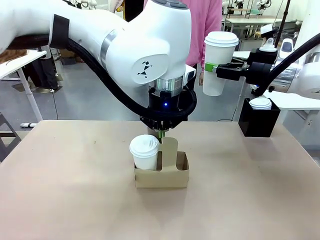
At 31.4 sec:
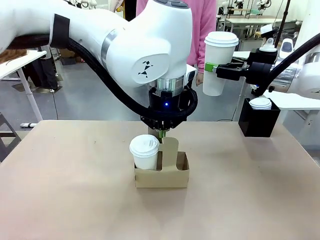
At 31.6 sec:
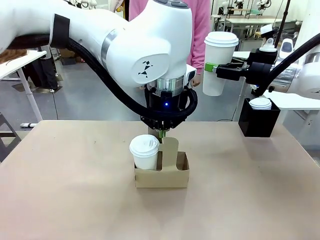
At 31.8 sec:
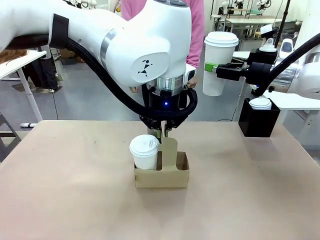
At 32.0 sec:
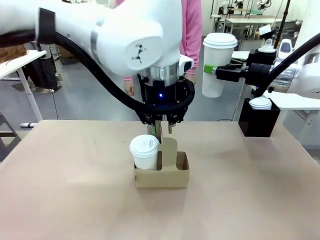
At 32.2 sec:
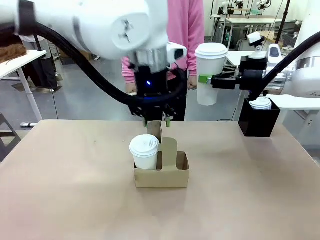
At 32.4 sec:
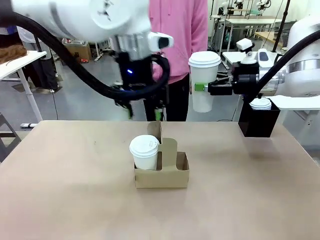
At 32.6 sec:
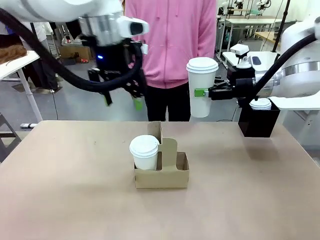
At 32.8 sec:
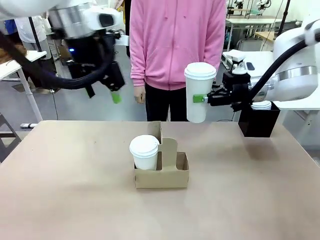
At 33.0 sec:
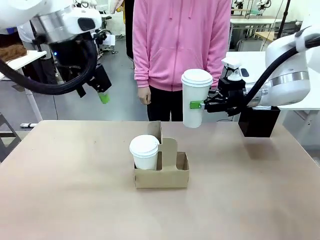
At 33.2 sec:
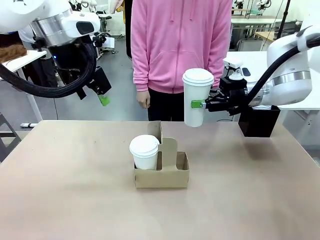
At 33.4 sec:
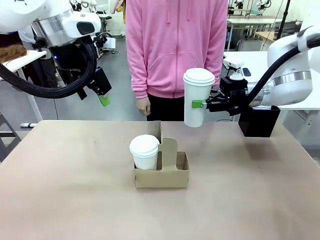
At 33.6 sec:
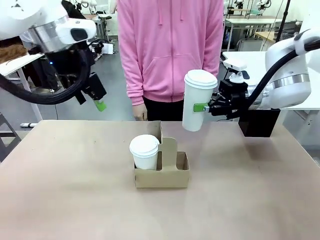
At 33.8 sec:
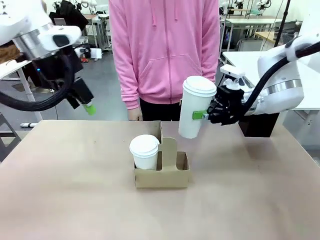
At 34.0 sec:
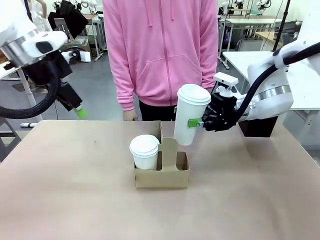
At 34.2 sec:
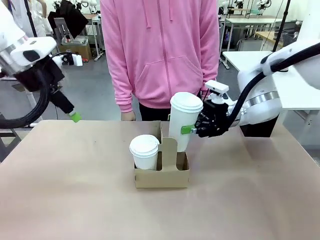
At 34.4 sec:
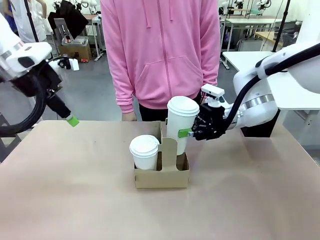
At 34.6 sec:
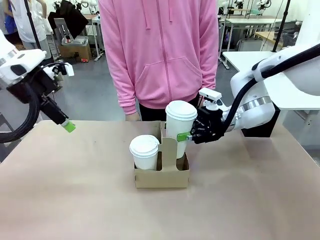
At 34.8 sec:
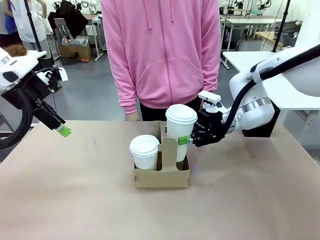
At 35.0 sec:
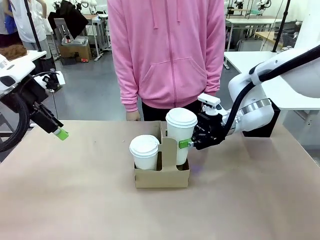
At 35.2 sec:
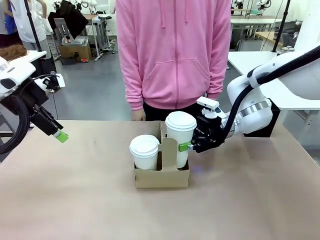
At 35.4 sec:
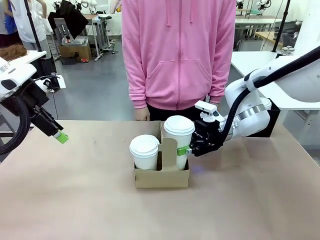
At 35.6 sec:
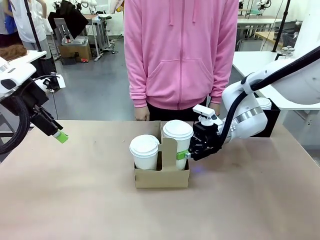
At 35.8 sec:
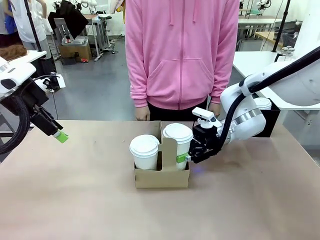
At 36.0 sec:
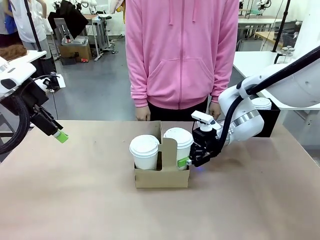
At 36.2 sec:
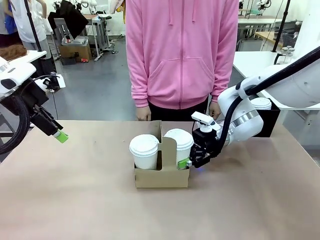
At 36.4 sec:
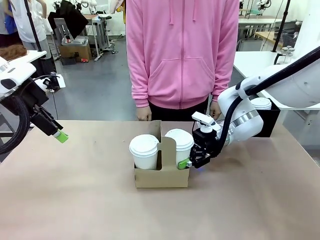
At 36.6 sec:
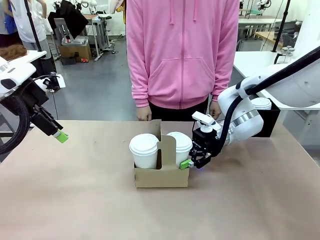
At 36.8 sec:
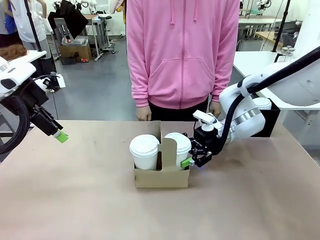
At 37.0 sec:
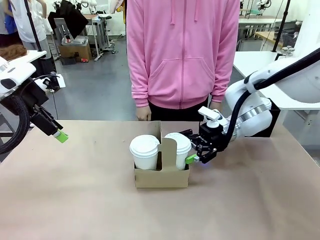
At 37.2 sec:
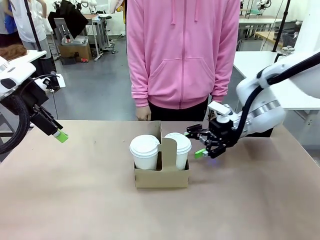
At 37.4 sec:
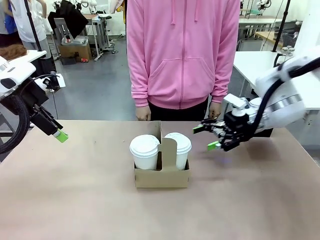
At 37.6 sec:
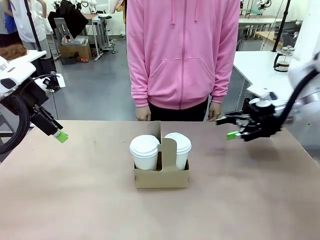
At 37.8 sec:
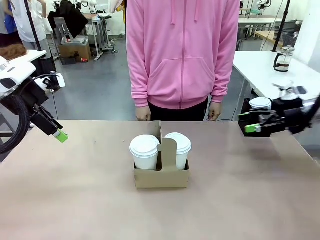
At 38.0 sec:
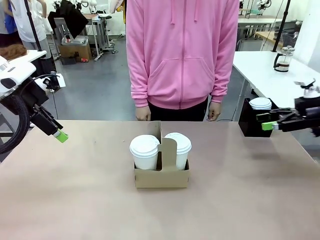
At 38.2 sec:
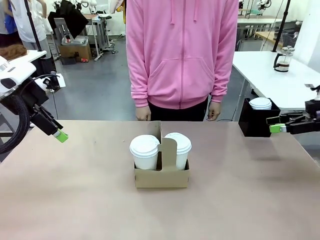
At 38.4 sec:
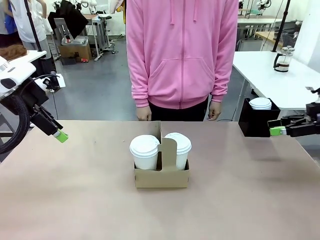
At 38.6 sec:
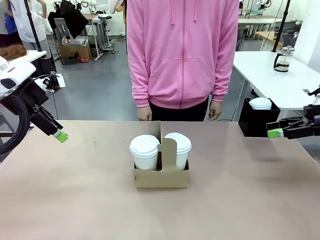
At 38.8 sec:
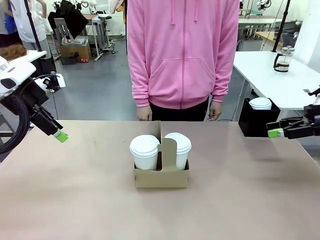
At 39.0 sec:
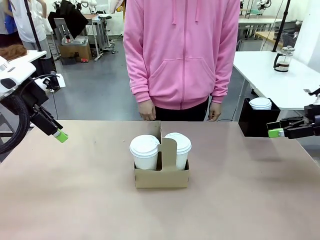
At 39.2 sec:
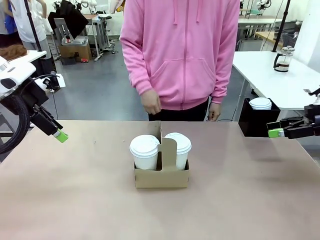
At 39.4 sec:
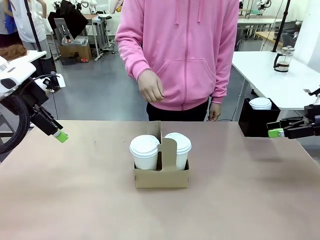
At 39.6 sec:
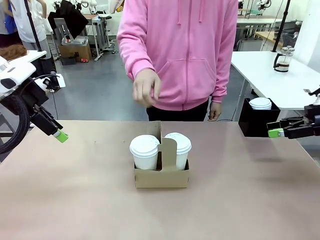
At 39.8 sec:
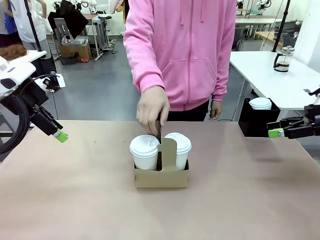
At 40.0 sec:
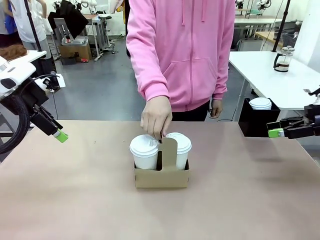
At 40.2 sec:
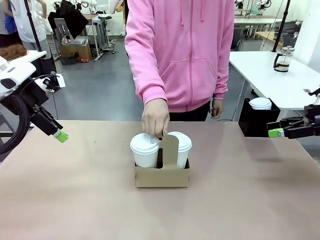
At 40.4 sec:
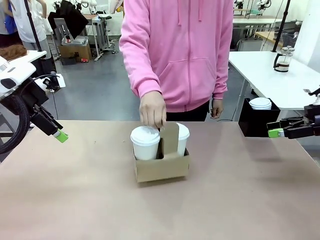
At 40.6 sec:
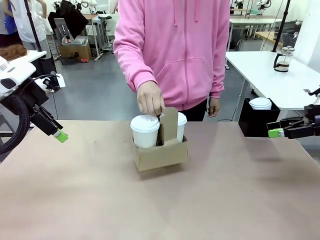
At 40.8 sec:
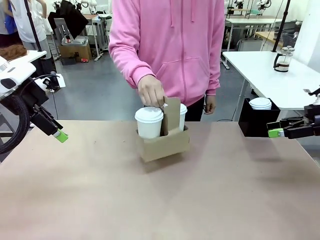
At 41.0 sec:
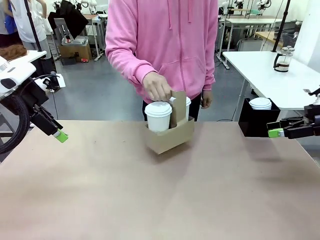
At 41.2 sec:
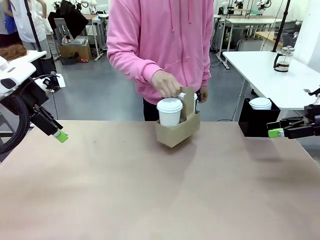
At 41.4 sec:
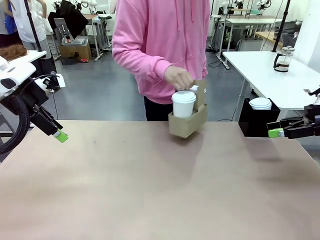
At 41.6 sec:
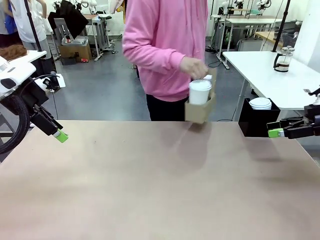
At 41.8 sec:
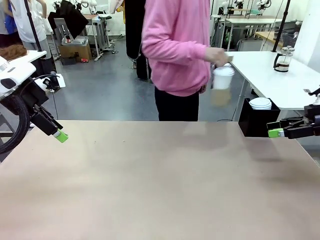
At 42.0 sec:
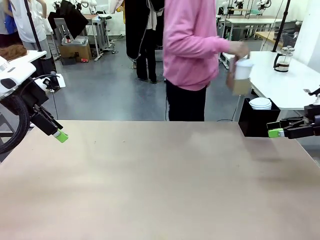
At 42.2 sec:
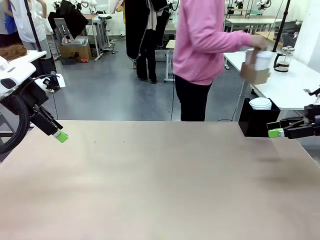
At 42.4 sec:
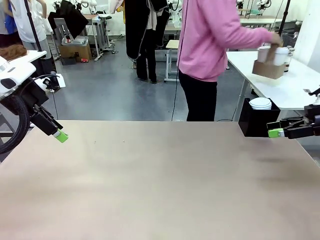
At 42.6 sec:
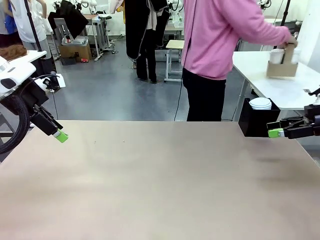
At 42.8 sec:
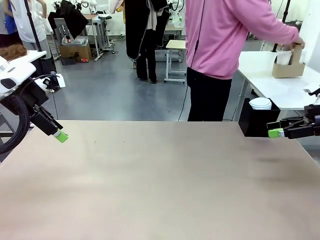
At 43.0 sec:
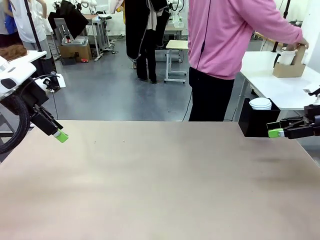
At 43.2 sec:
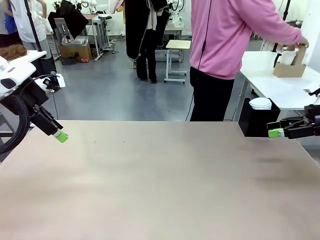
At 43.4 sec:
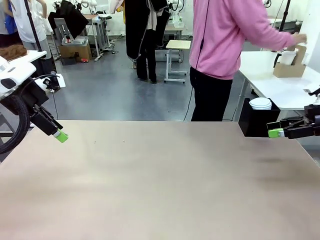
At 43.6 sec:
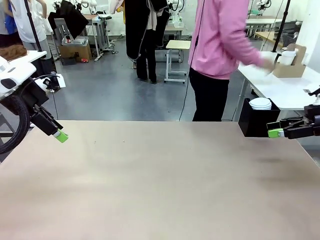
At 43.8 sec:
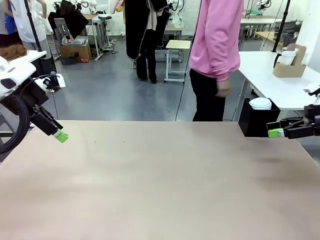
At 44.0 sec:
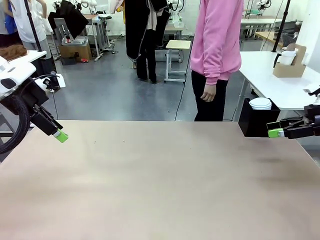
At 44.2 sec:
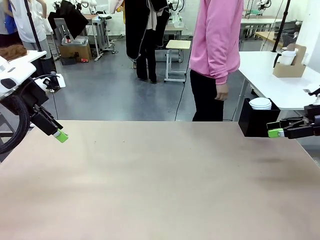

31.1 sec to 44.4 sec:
Task: Pour a drink into a cup and package it in a carrier.
Robot: Insert the held 600 ml Paper Cup into the Cup Carrier.
Person: Place the Cup Carrier to the middle of Human table.

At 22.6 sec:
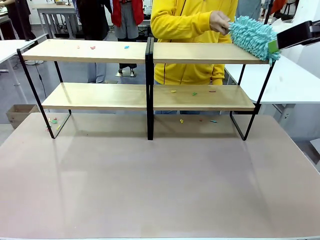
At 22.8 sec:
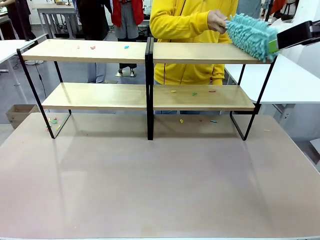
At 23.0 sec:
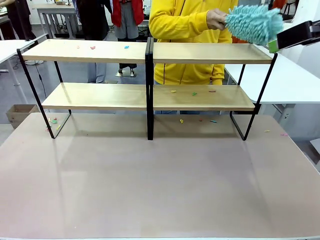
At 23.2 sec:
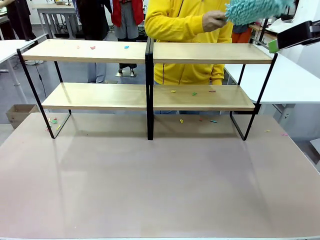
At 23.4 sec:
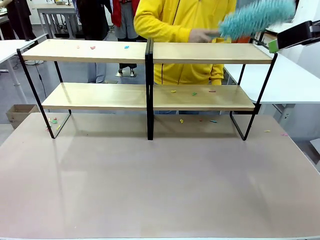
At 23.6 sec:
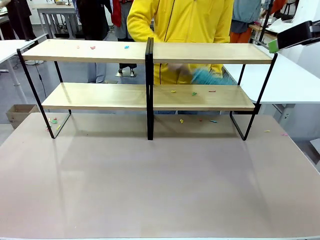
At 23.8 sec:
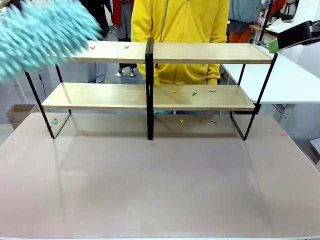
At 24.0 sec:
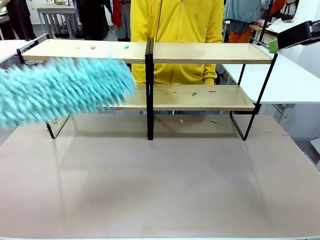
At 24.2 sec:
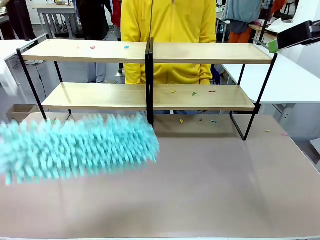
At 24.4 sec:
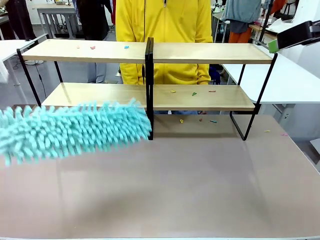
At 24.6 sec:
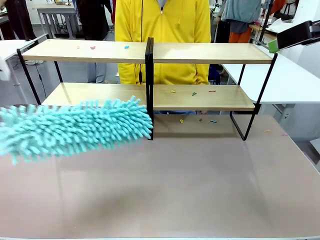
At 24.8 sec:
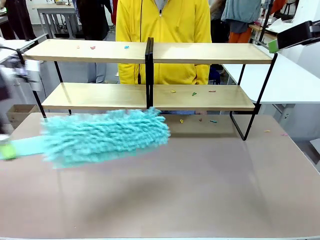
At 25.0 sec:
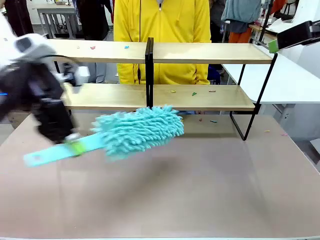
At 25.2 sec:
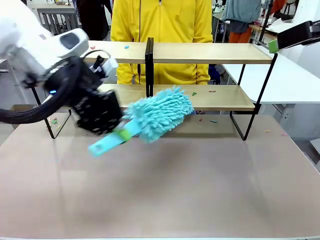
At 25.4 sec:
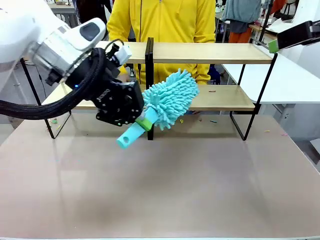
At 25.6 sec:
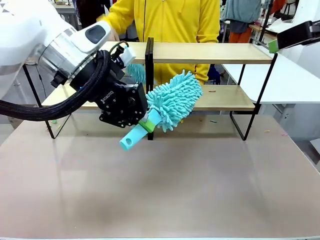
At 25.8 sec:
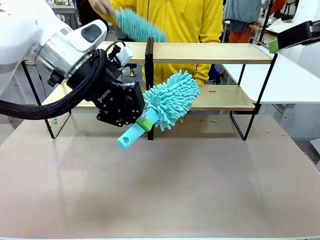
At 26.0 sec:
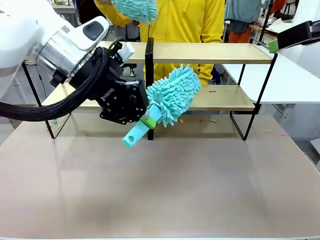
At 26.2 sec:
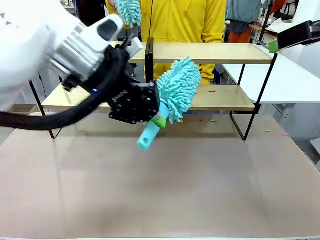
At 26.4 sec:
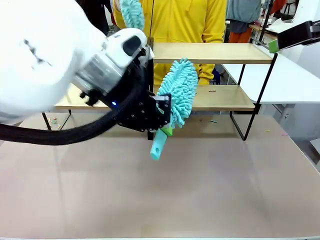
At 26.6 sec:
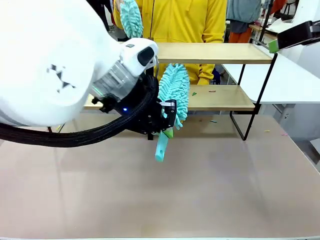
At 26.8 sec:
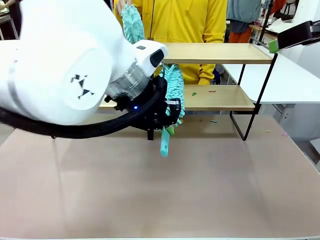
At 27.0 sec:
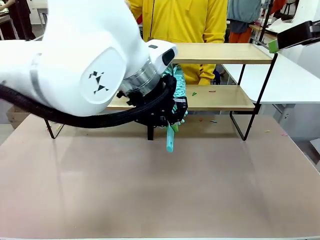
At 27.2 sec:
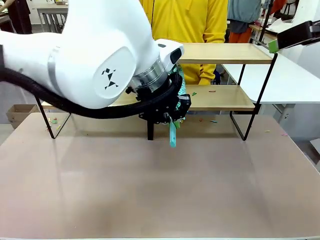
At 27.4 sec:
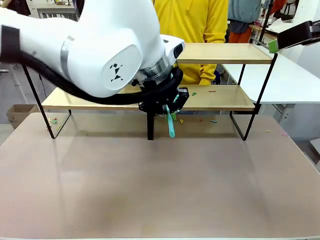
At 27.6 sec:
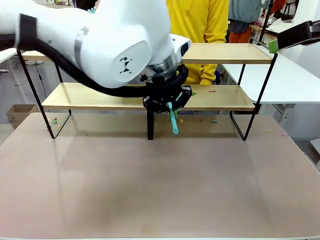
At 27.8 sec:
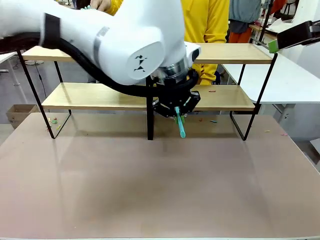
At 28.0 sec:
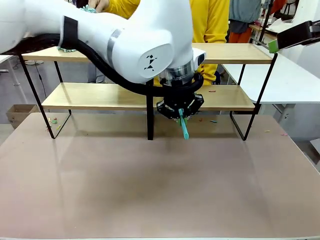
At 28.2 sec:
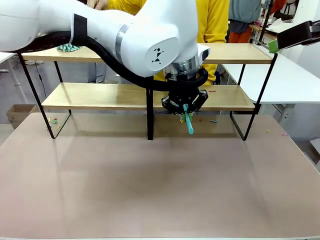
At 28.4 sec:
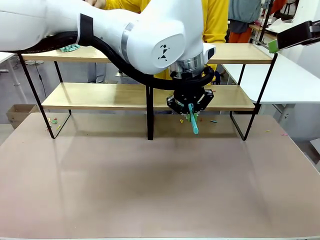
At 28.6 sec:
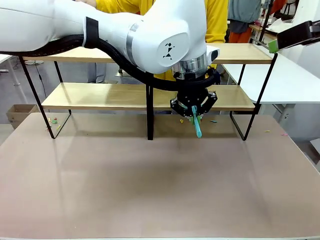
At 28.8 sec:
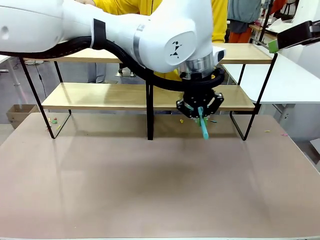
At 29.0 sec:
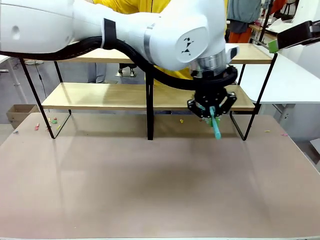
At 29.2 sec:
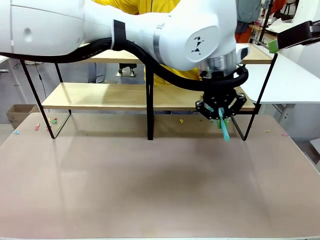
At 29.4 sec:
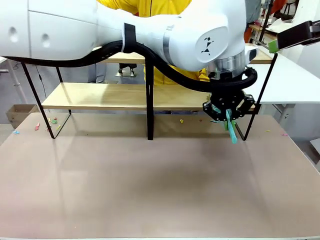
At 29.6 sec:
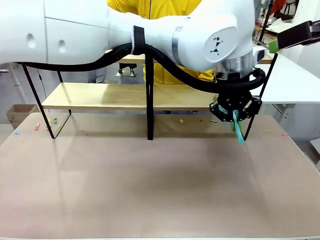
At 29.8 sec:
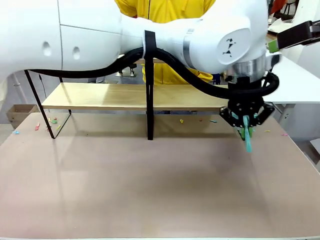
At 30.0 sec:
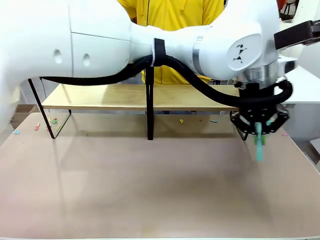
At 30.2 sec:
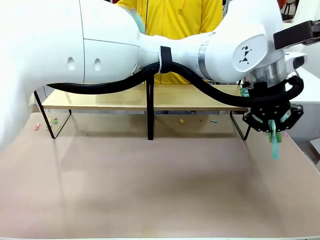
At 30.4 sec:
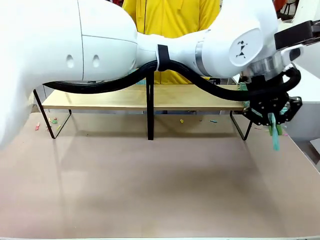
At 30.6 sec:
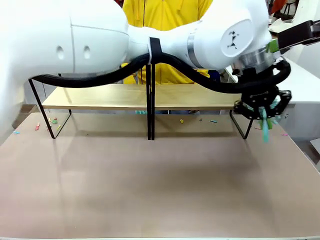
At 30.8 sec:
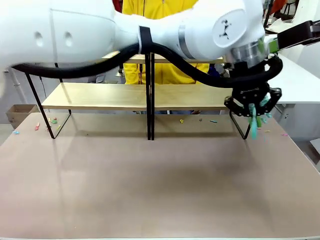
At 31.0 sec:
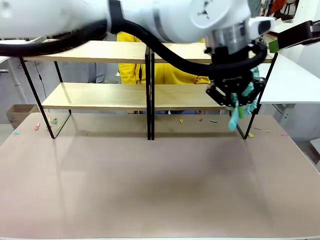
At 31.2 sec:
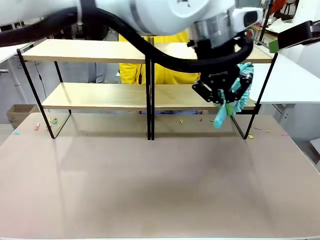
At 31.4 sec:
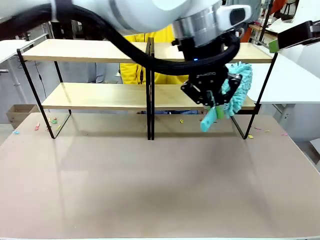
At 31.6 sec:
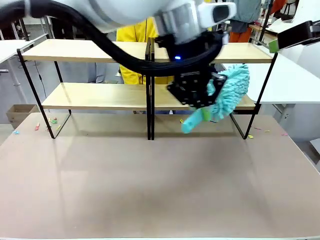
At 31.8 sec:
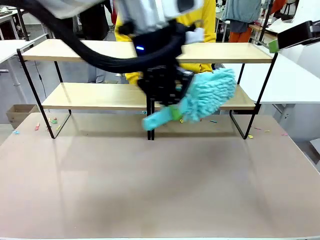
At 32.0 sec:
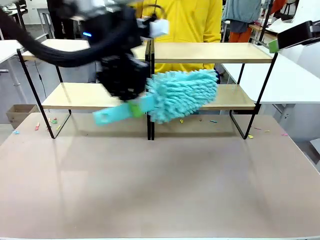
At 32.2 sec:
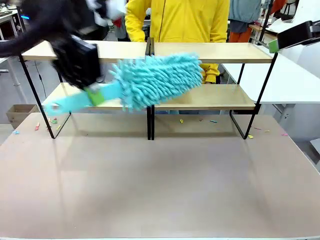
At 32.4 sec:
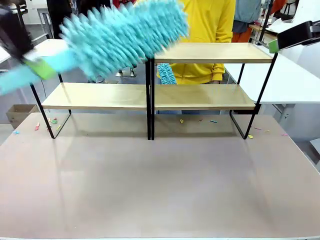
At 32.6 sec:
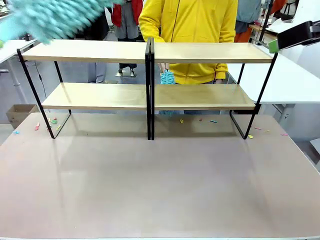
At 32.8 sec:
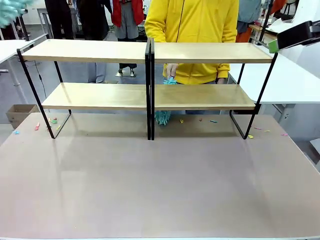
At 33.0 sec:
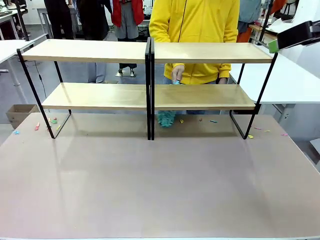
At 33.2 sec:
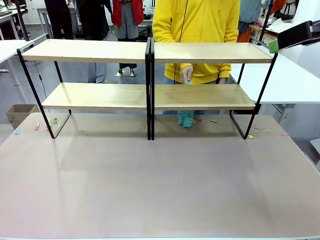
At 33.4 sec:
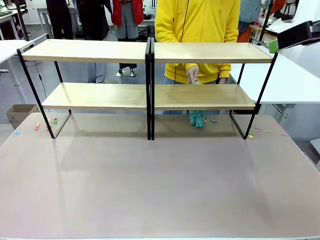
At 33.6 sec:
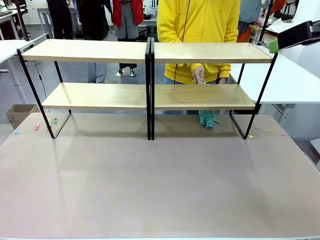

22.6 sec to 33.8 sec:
Task: Clean the shelves.
Robot: Clean another randomly selected level of the Shelf with the Duster.
